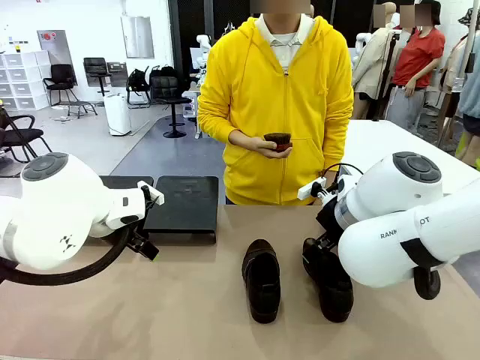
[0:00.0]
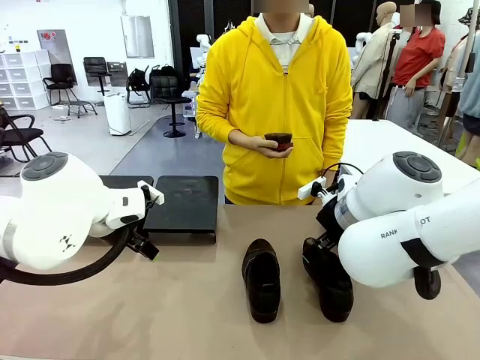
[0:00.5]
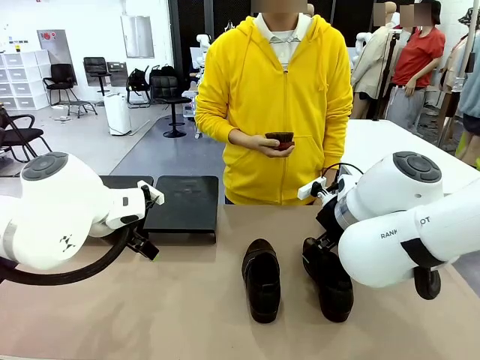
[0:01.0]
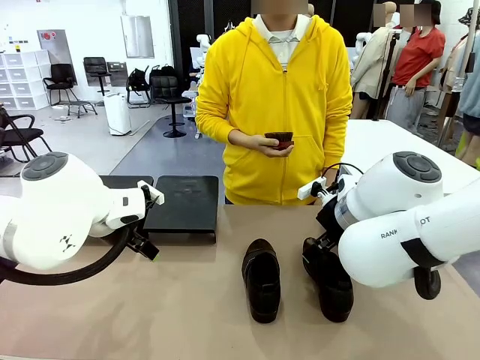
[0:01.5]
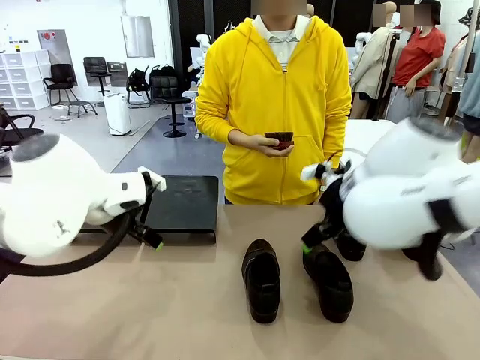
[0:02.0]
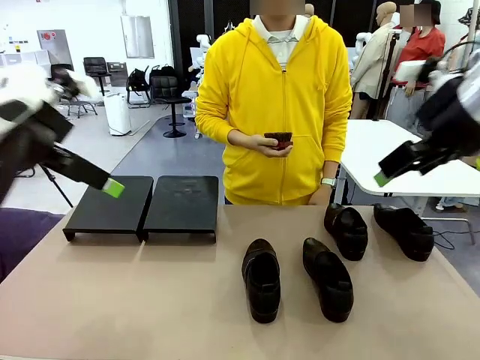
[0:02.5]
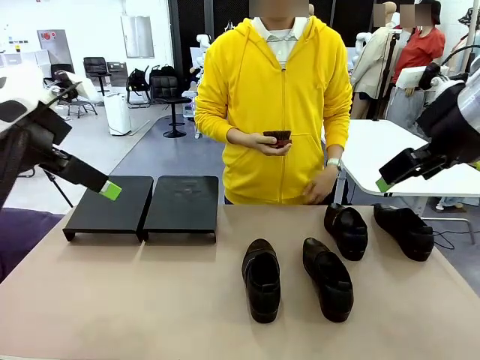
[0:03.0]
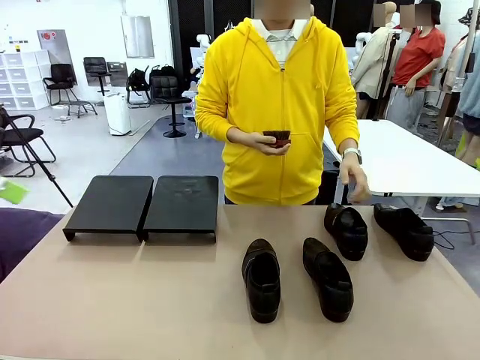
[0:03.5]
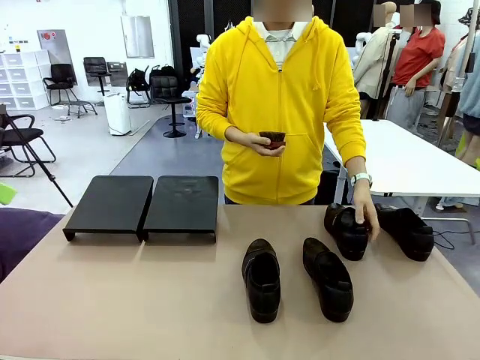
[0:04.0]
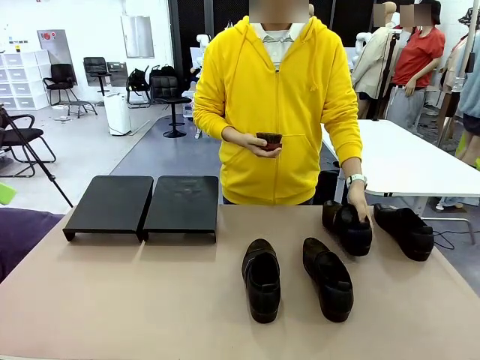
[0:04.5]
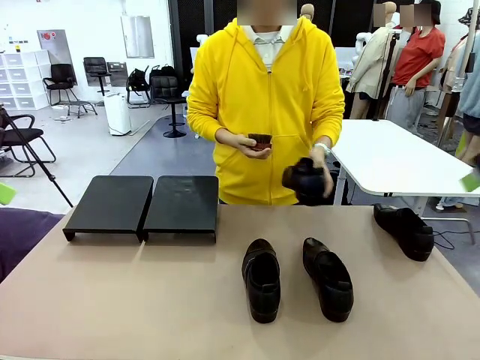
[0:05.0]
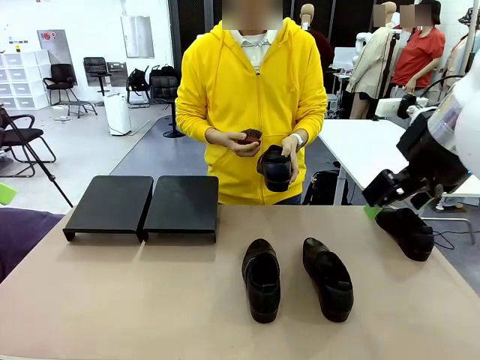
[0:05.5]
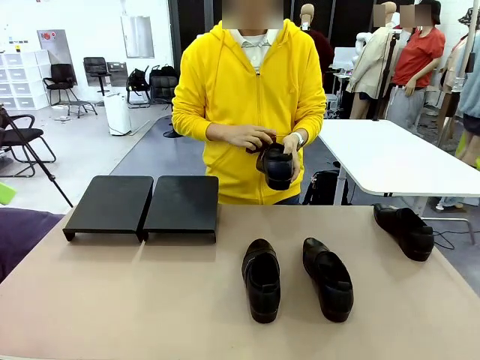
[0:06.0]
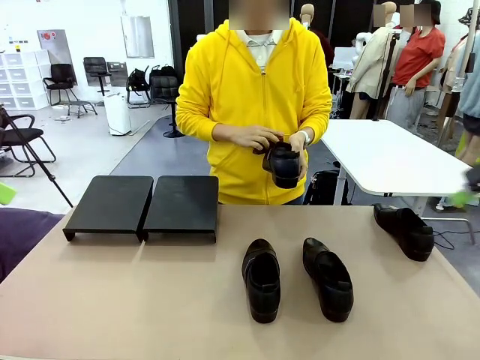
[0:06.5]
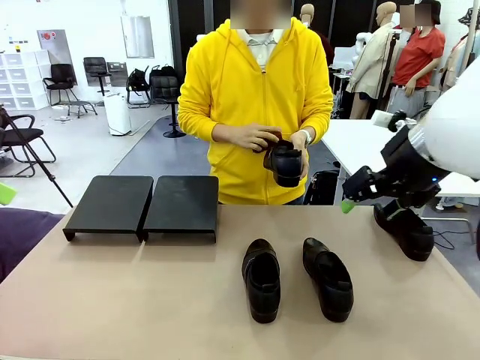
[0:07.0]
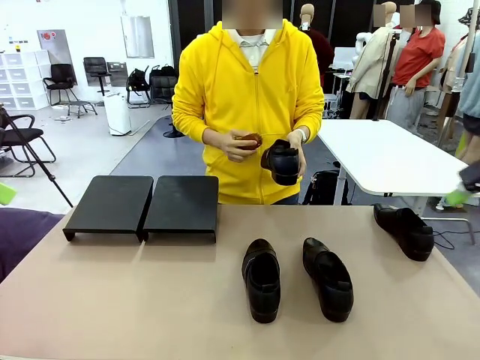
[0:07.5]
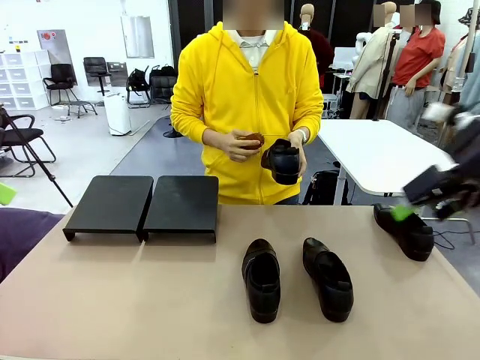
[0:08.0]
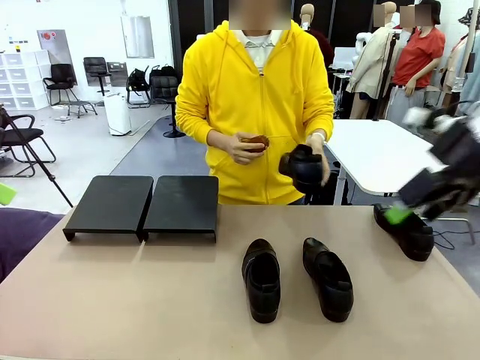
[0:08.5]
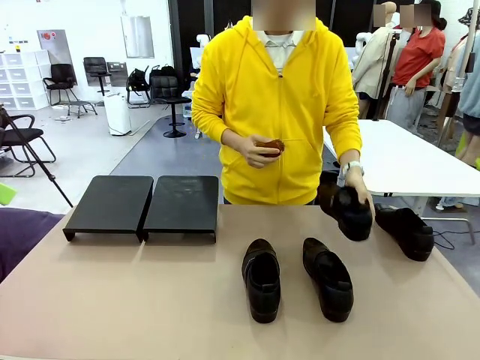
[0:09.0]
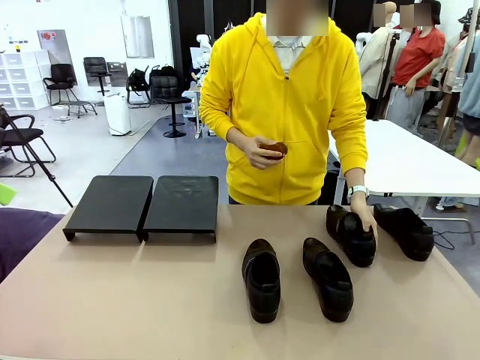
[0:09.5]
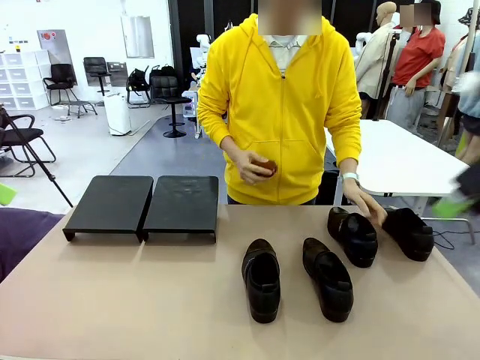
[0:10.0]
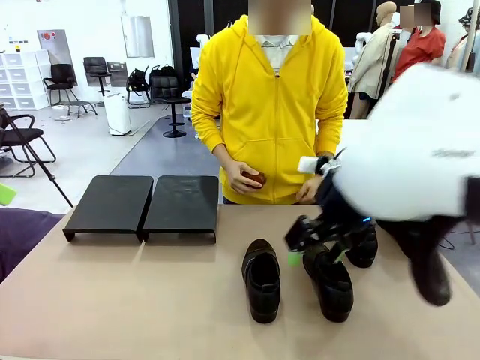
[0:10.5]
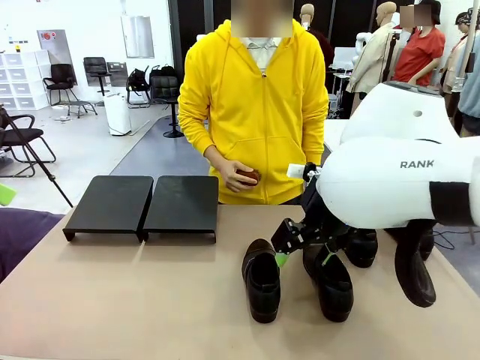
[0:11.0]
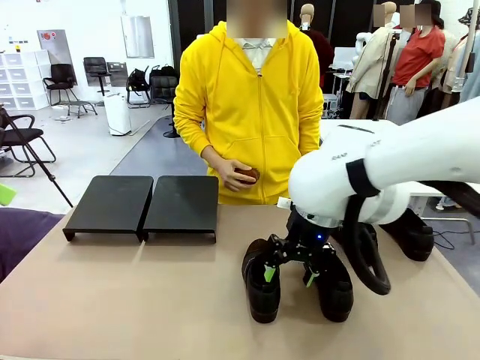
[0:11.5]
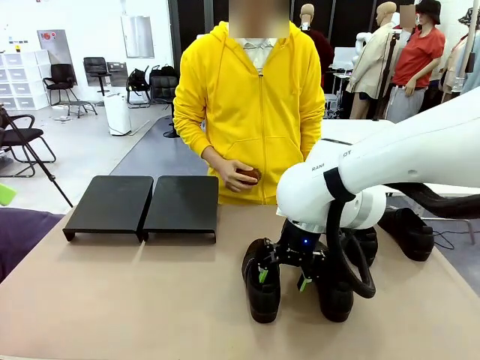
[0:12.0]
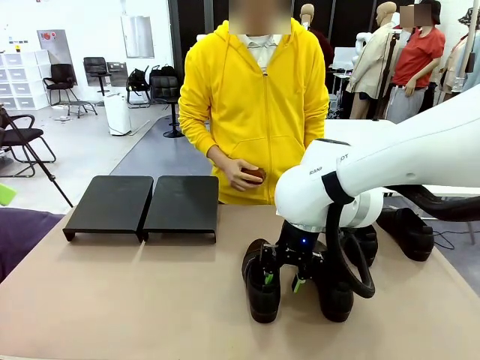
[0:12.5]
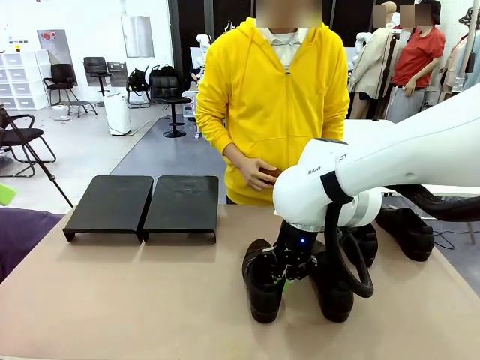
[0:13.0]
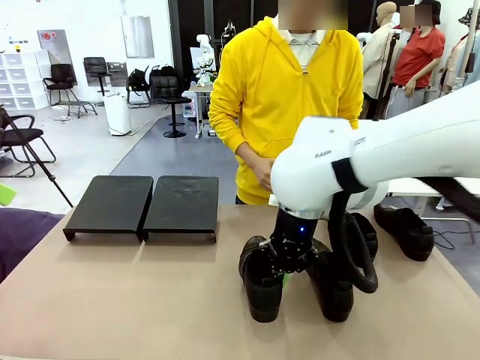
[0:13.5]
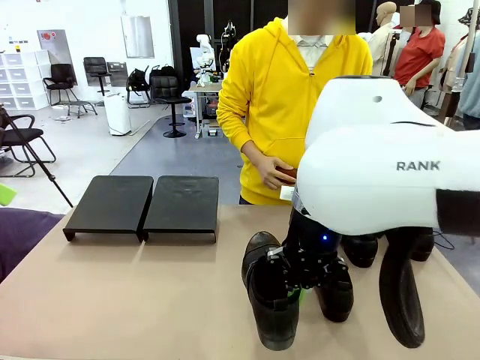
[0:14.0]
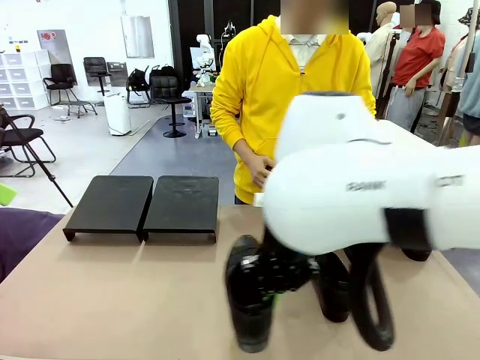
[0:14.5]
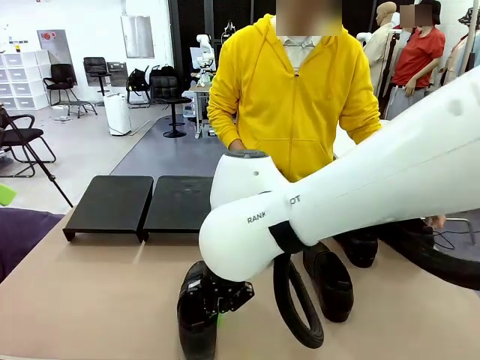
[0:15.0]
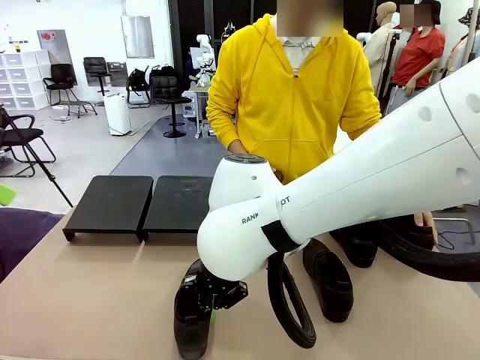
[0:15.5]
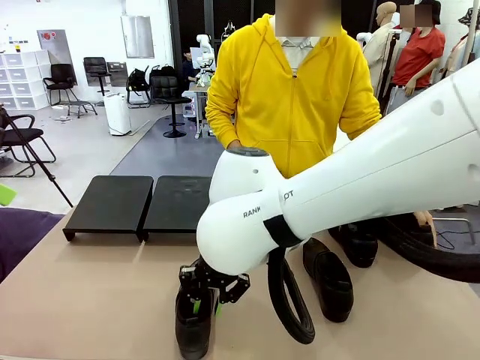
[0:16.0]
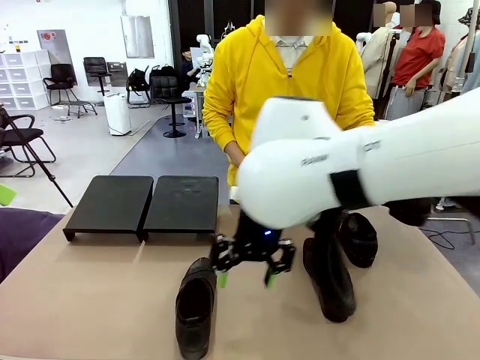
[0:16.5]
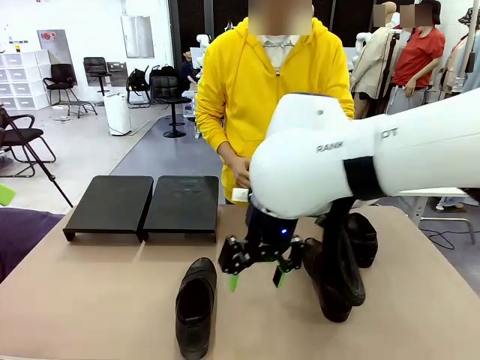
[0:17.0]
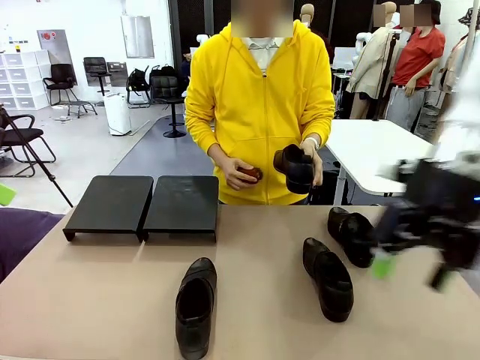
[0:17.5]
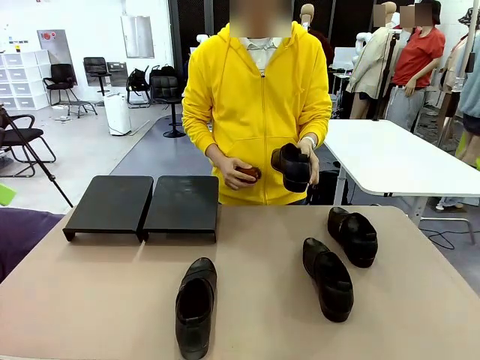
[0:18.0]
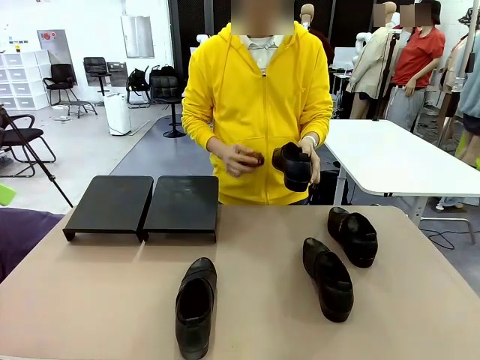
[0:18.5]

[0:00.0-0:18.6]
Task: Organize the shoes by placing them on the stand.
Robot: Pick up one Shoe and place it in the middle of the table.
Person: Pick one Shoe on Robot's table. Clean the Shoe with the Shoe Brush. Place the Shoe on left side of the Robot's table. Pick one Shoe on Robot's table.

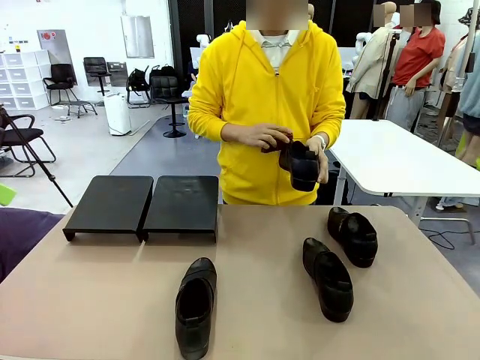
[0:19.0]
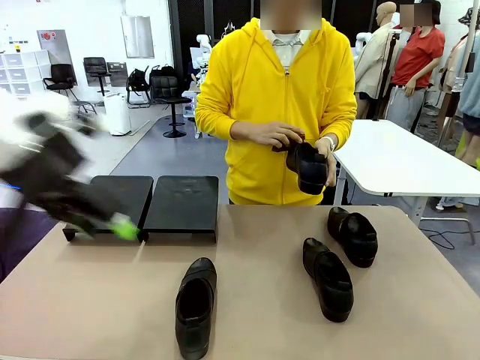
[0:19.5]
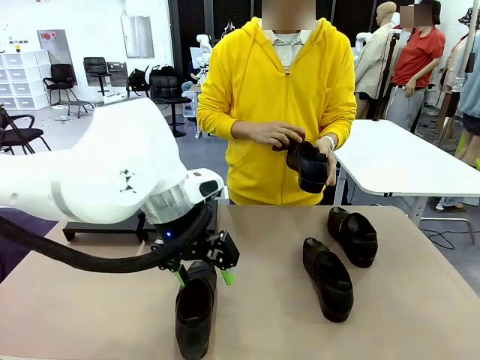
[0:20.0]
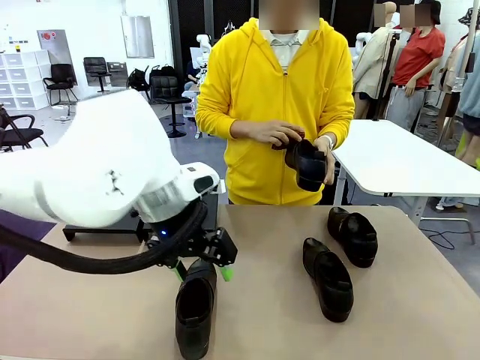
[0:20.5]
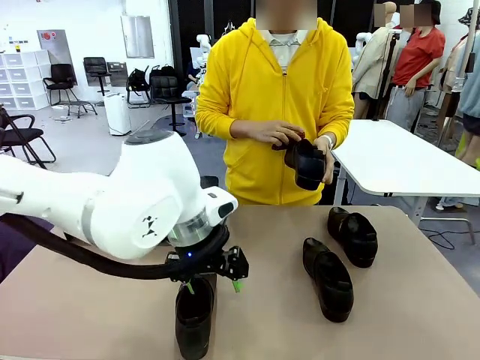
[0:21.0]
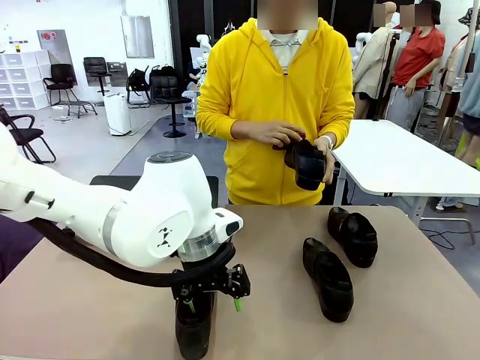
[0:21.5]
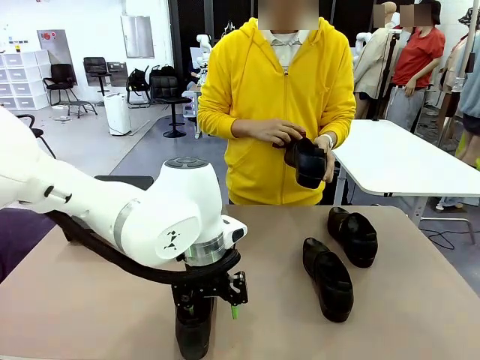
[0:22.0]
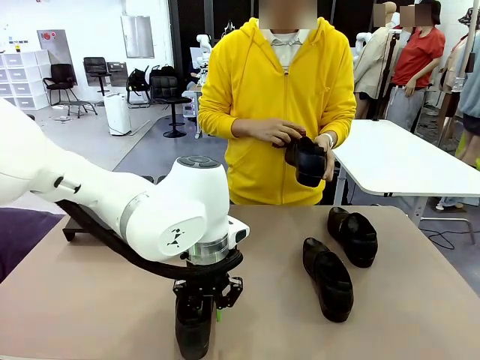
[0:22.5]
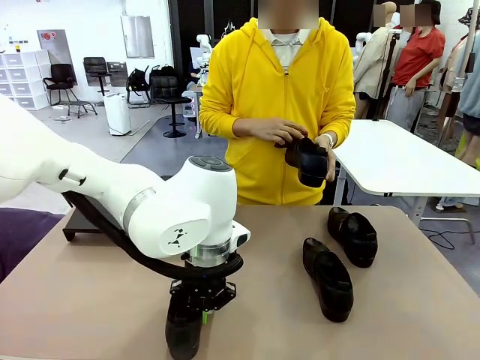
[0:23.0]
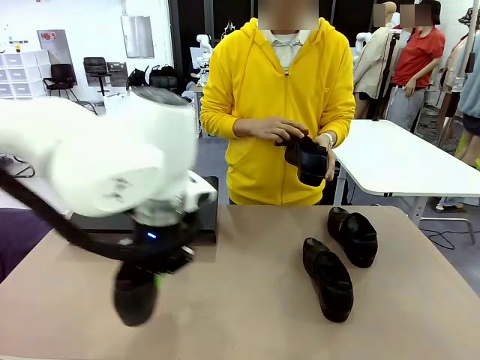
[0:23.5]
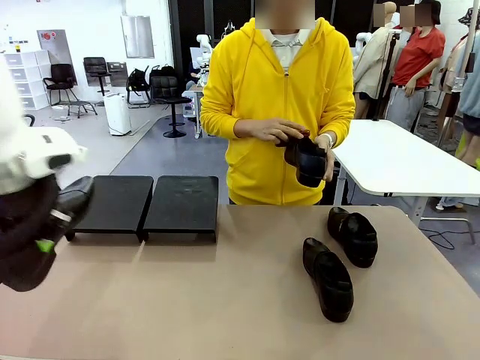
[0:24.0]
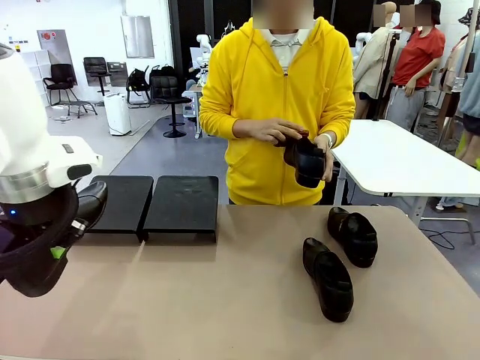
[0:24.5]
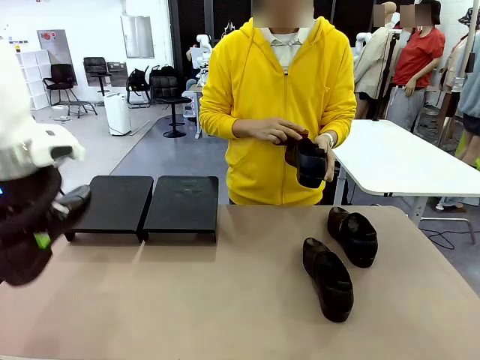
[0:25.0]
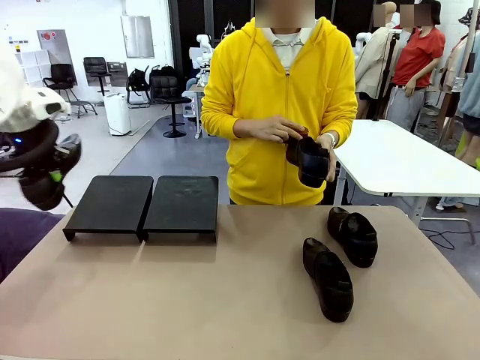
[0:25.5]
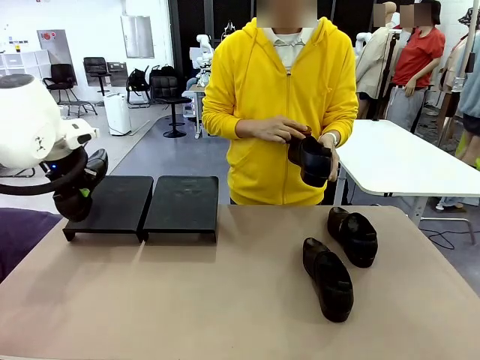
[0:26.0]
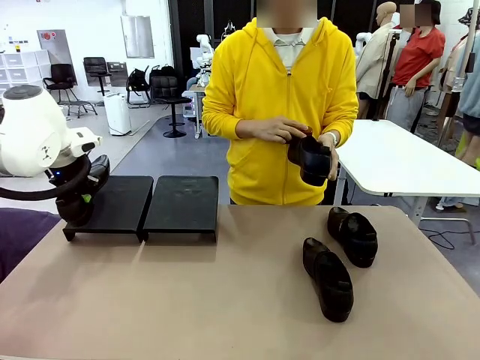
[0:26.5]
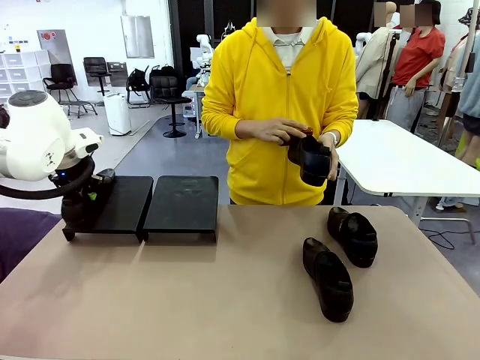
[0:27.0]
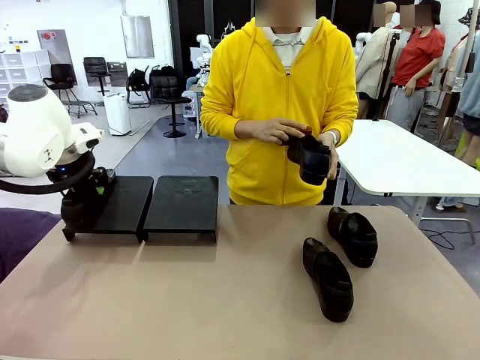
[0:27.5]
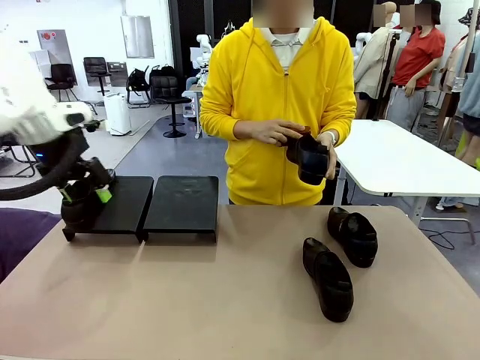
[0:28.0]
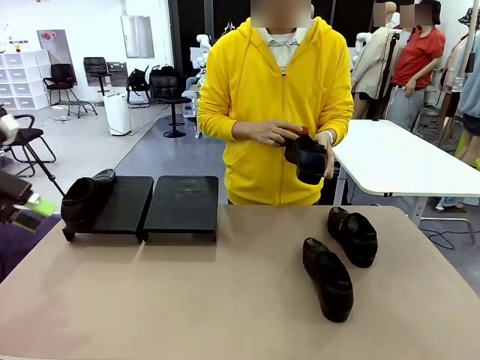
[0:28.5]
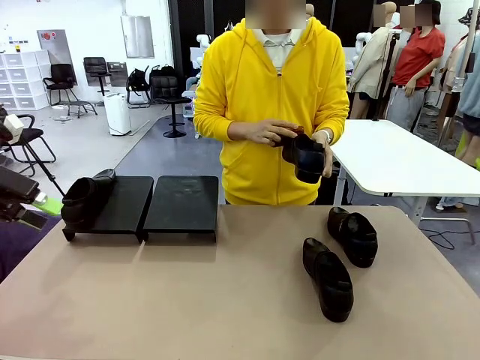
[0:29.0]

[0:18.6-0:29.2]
Robot: Place the Shoe from the middle of the table onto the Shoes Stand.
Person: Clean the Shoe with the Shoe Brush.
